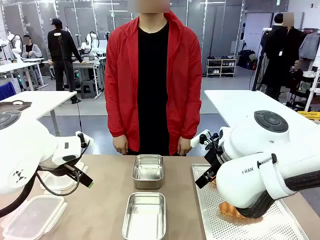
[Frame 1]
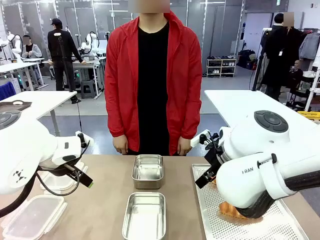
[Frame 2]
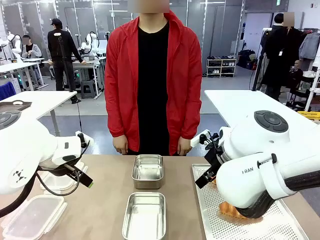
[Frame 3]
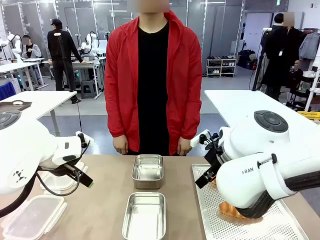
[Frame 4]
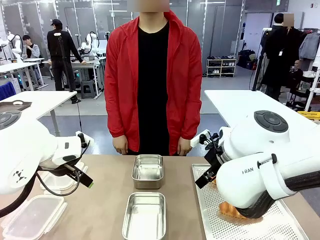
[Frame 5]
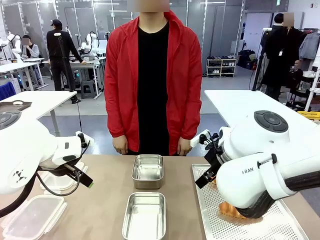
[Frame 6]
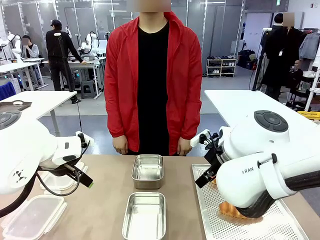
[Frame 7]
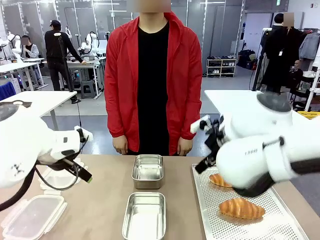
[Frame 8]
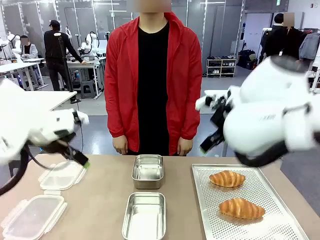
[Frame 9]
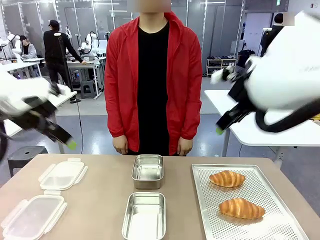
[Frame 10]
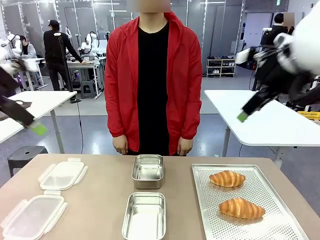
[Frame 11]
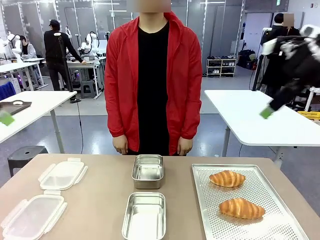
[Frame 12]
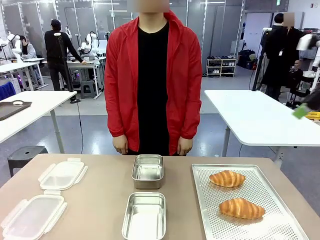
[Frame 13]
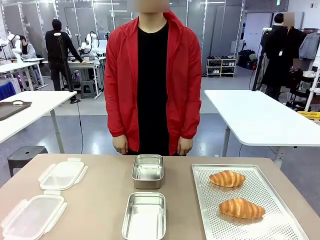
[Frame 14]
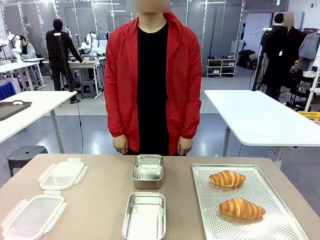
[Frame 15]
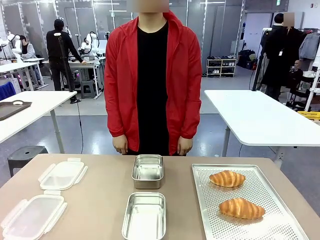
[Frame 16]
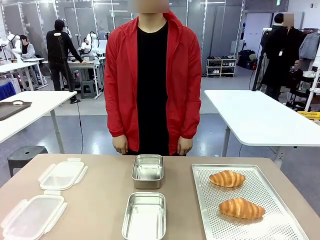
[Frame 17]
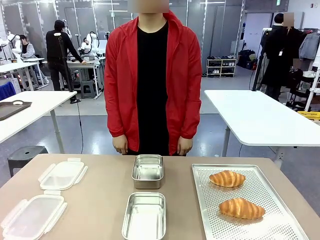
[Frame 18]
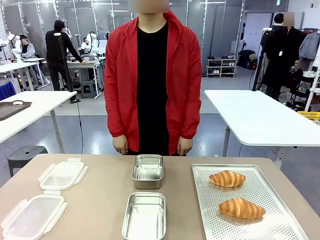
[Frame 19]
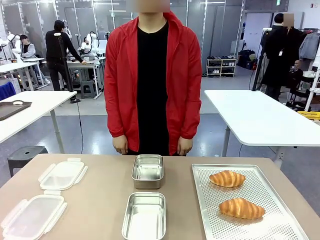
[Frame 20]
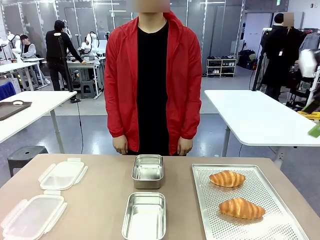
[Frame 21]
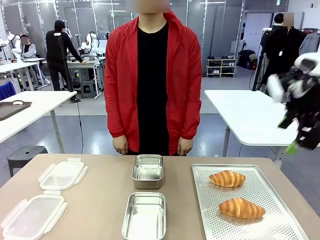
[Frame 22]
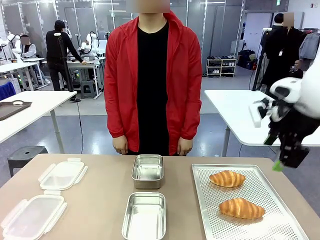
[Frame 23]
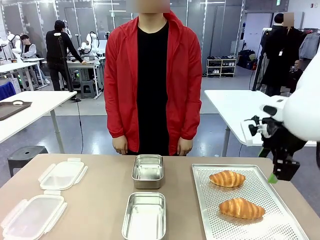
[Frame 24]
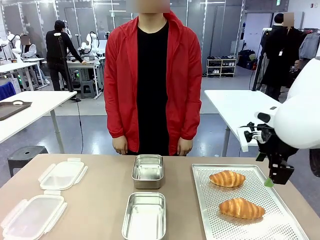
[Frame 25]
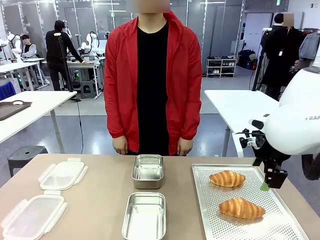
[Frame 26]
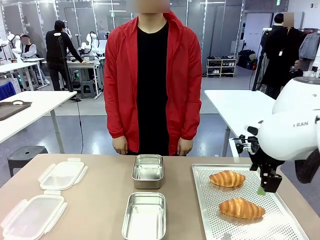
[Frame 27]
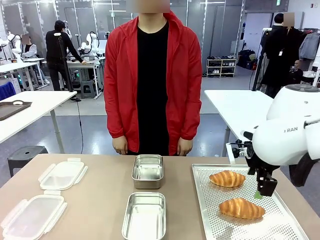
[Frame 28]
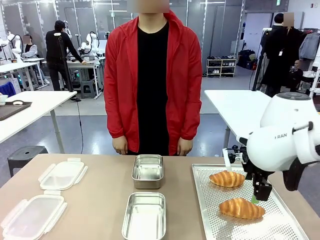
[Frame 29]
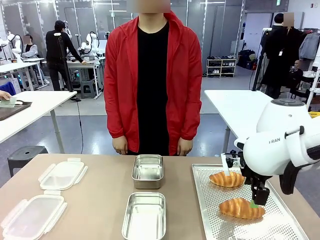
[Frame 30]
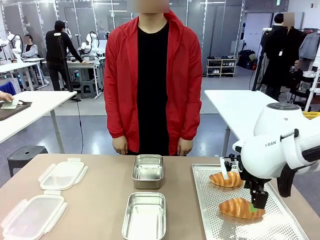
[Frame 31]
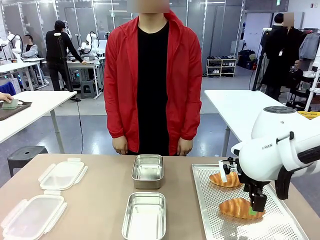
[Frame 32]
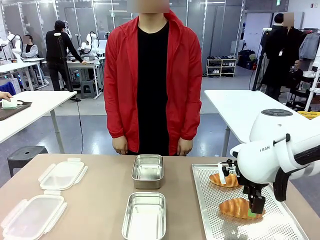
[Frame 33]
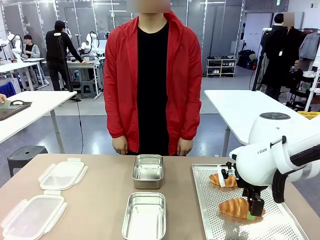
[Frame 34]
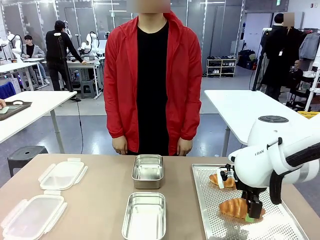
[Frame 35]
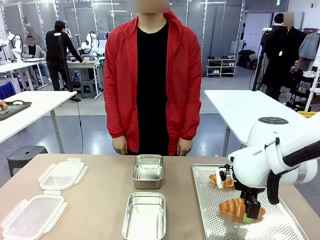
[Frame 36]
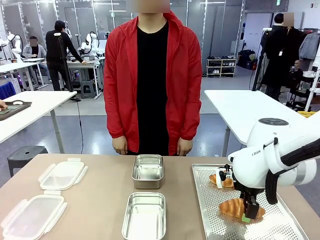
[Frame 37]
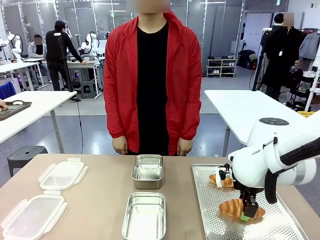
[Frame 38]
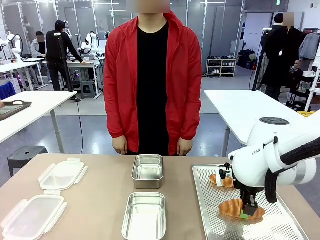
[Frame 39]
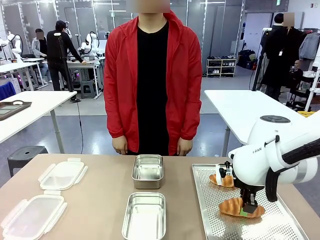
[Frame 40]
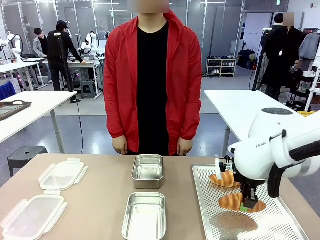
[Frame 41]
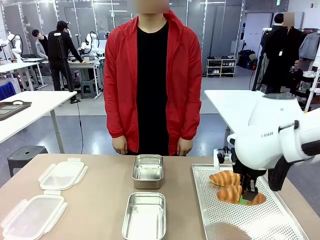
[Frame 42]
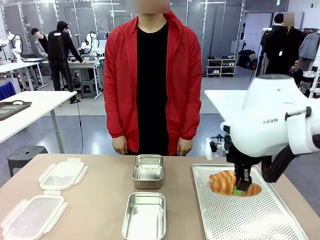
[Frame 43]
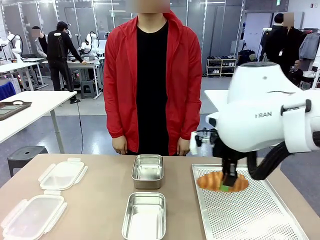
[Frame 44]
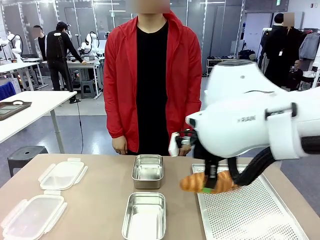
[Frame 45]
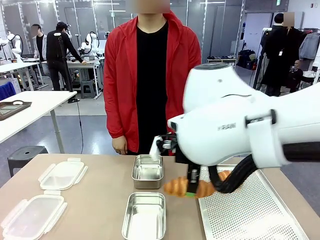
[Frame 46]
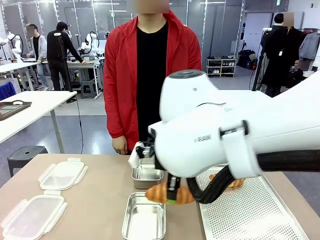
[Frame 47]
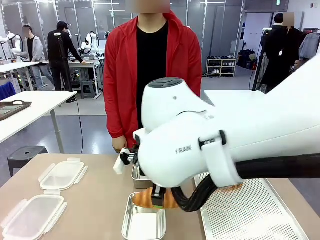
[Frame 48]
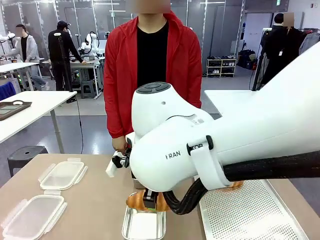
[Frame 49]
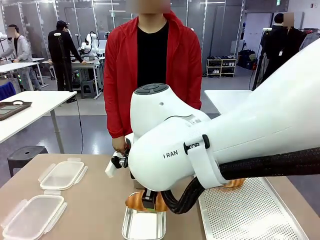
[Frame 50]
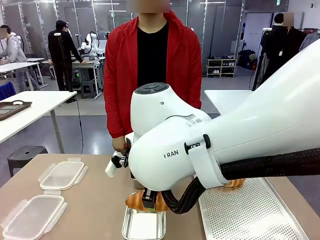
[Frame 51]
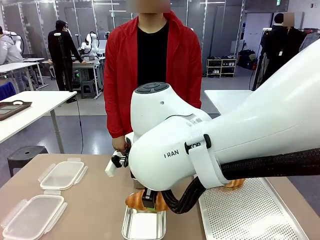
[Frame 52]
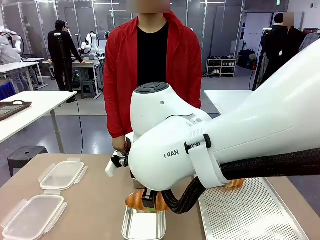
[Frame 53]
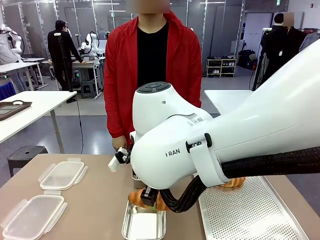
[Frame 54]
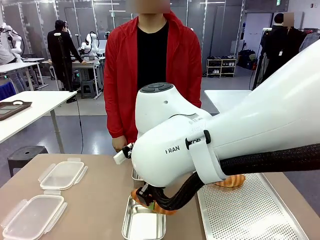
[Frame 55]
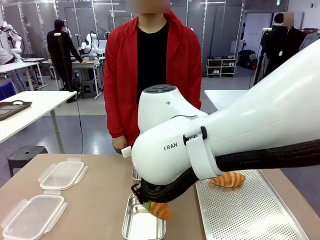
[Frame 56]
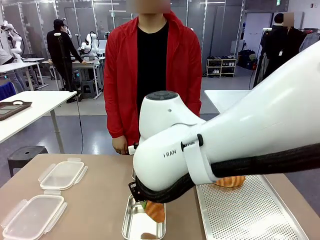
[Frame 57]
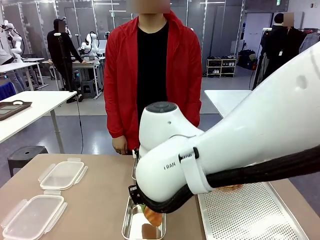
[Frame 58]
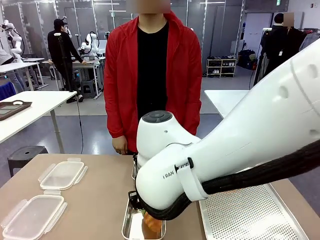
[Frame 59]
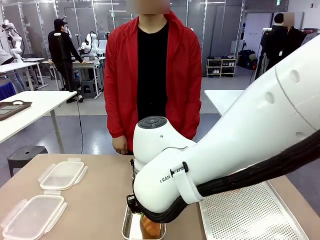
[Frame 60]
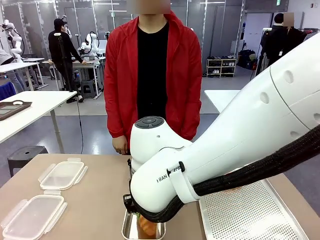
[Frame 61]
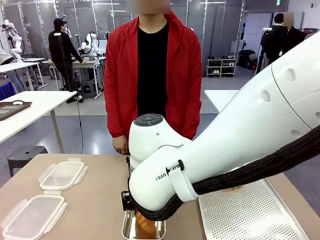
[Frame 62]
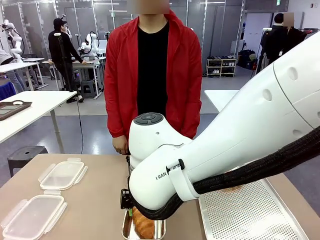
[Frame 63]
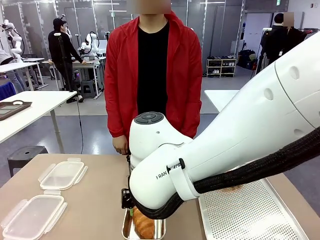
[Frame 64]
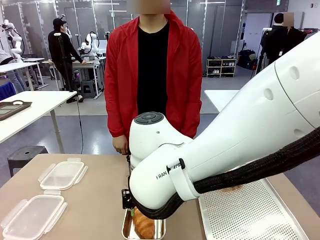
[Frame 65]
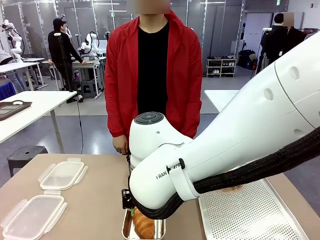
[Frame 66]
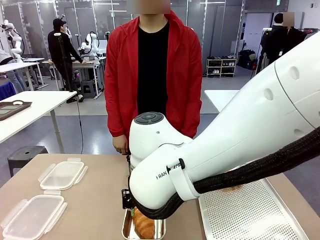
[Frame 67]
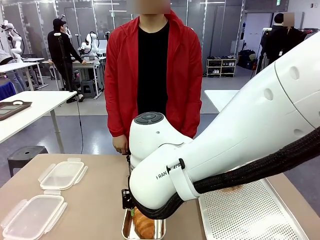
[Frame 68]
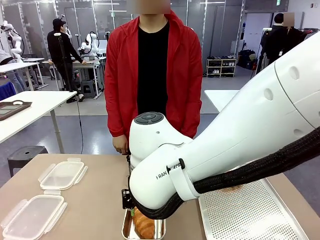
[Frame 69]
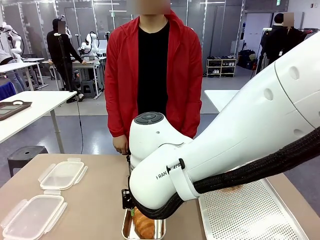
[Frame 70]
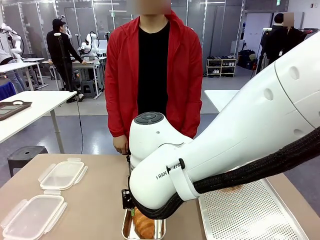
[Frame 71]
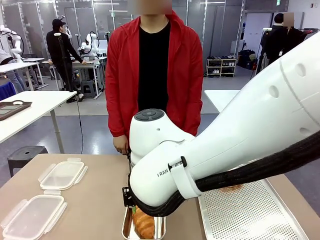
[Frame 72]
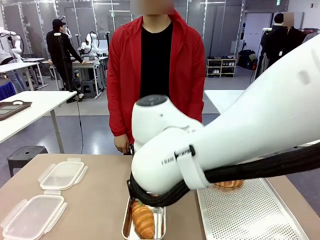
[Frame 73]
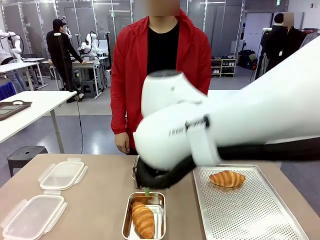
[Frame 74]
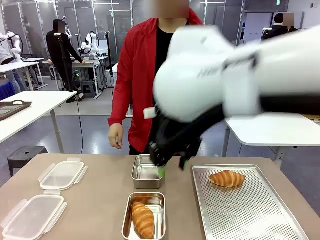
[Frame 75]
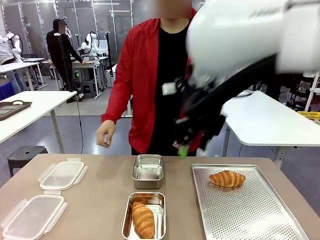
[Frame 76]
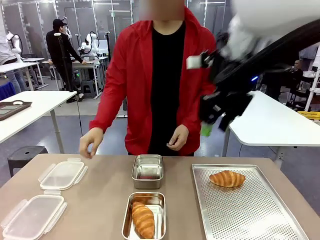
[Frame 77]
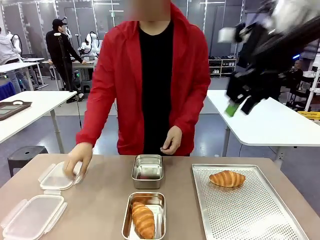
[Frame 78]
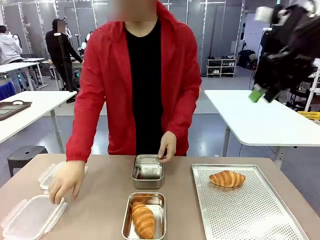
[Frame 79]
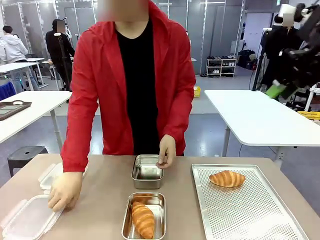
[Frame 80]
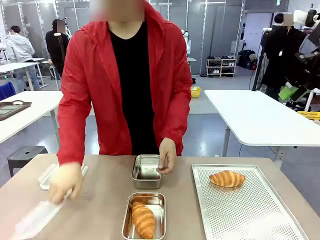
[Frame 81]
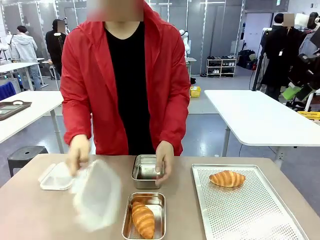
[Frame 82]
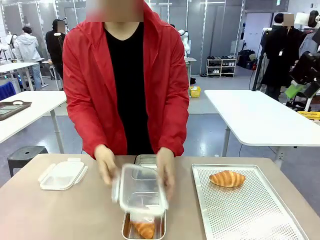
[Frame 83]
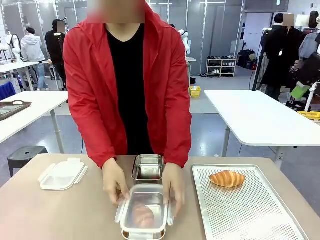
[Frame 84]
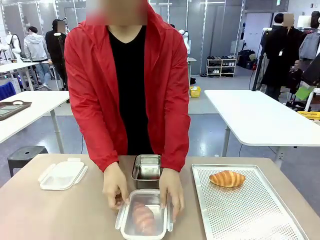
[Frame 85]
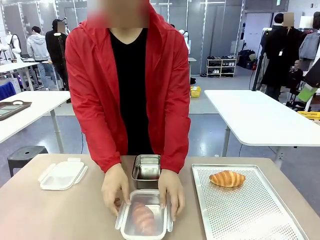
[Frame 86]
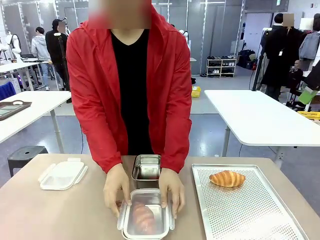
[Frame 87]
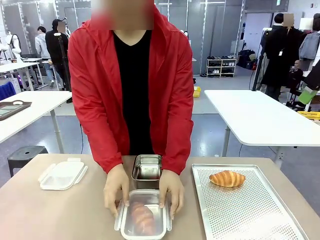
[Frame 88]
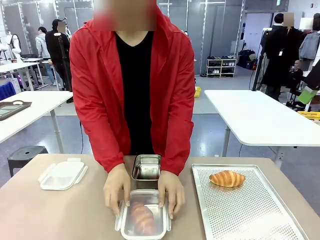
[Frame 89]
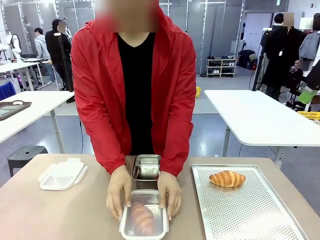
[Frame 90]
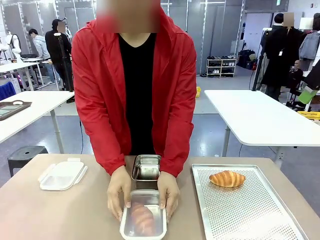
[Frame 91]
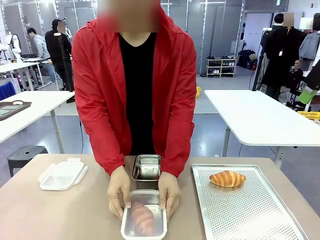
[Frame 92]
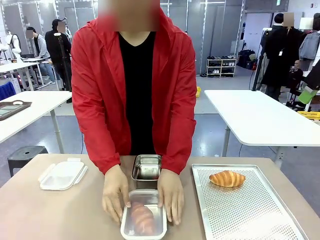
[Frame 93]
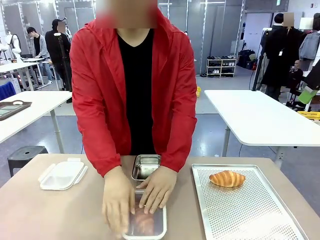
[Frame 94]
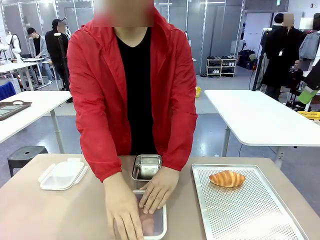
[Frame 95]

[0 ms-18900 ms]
Task: Place the bread into the airtight container.
Robot: Pick up a Butter Roll and place it into an empty Airtight Container.
